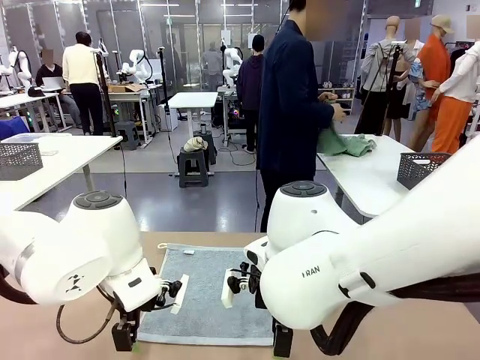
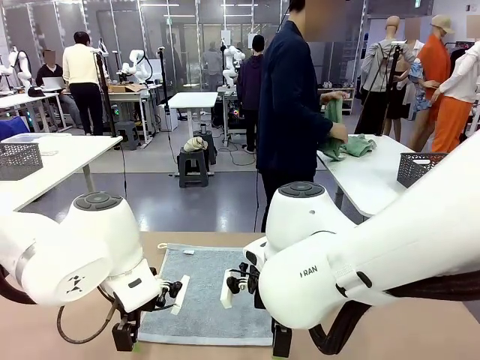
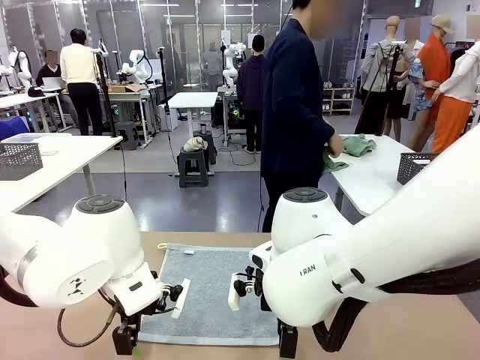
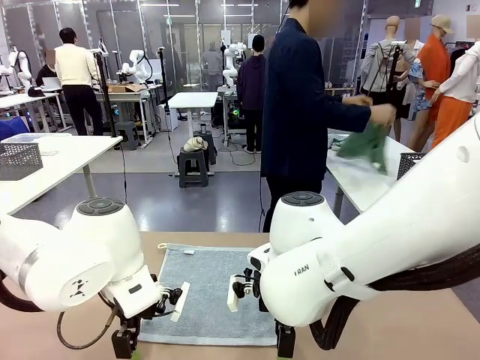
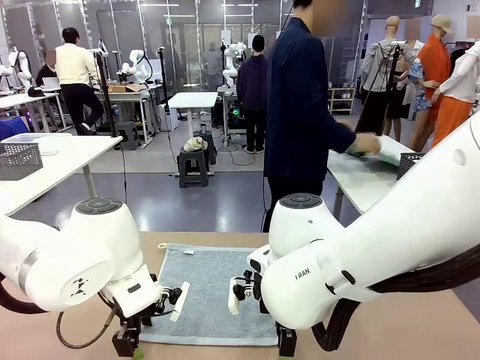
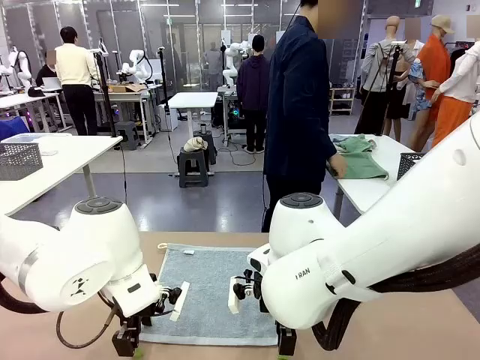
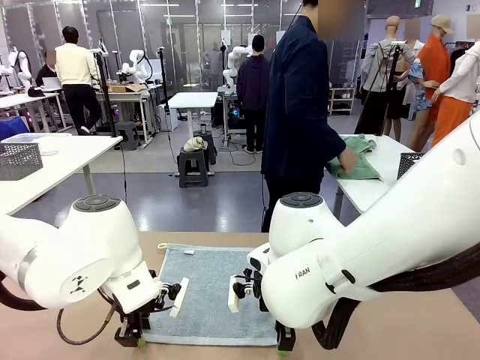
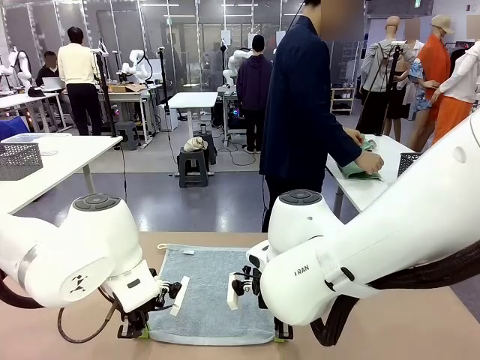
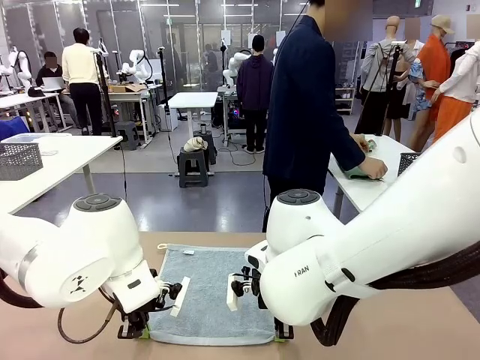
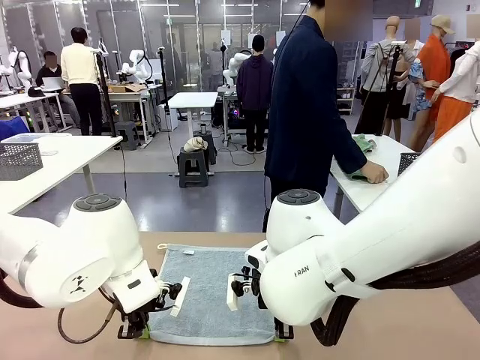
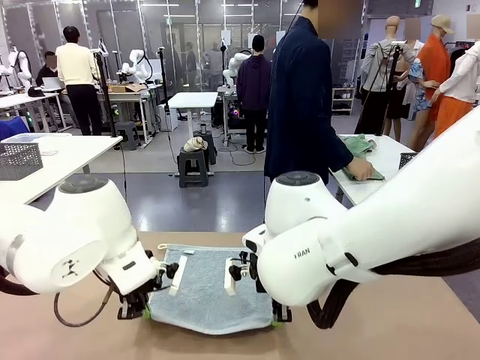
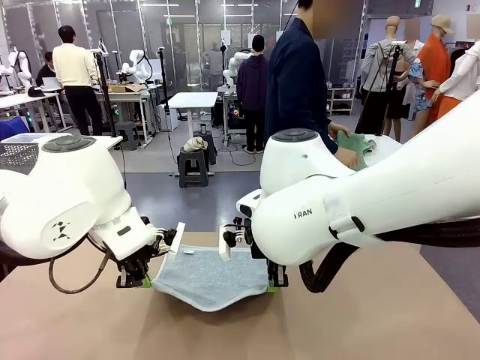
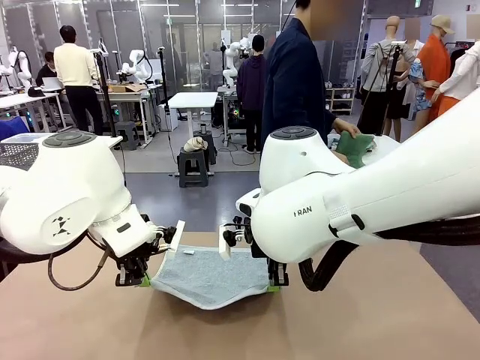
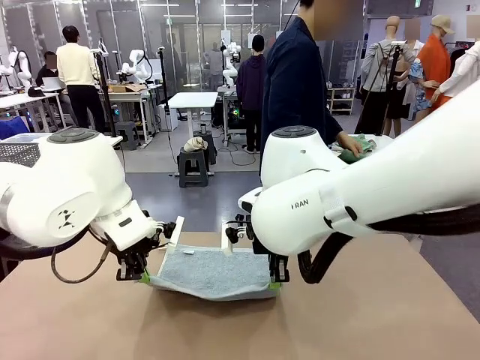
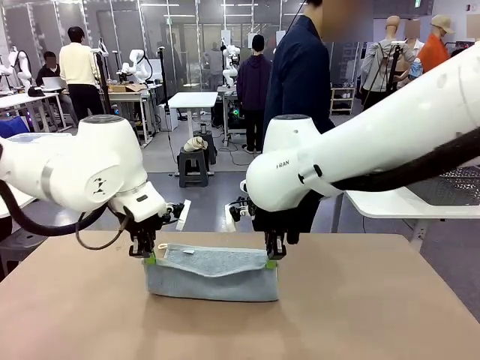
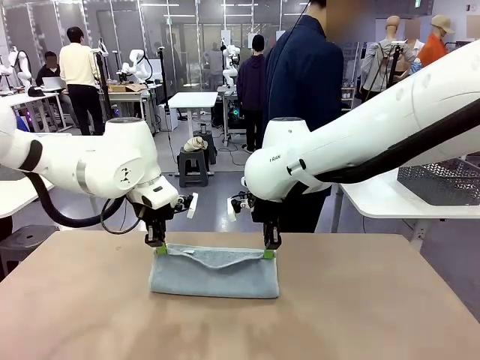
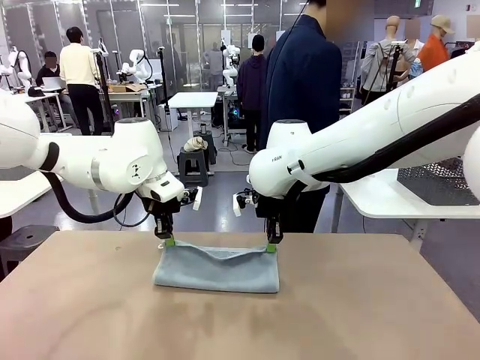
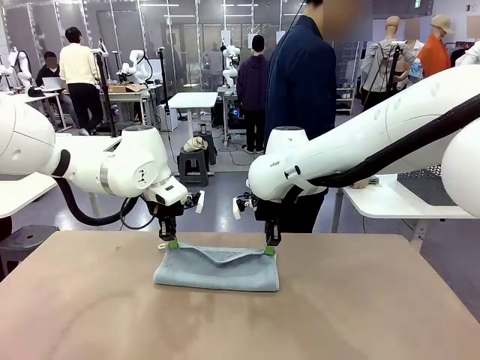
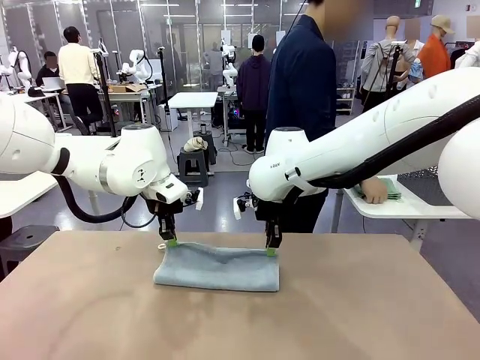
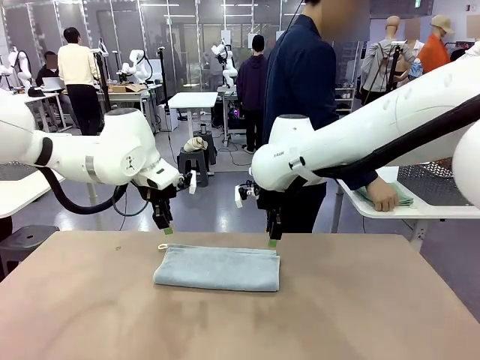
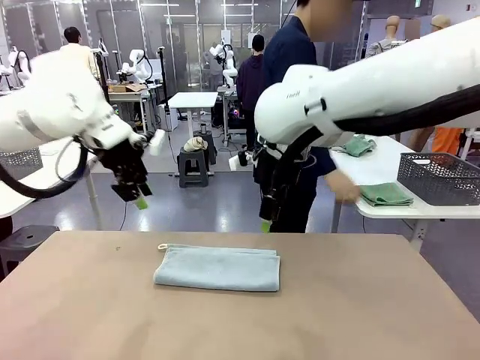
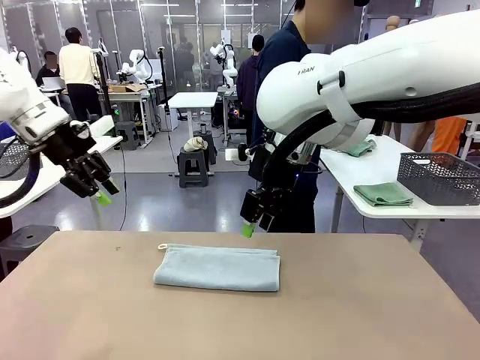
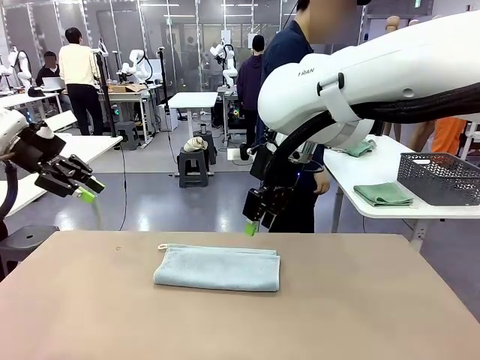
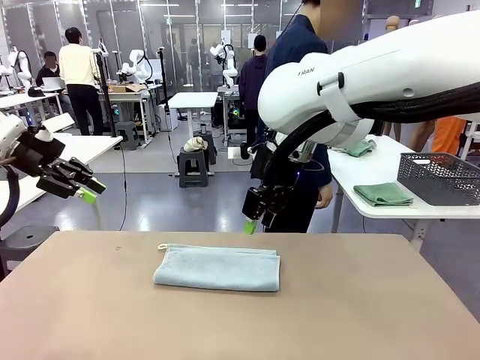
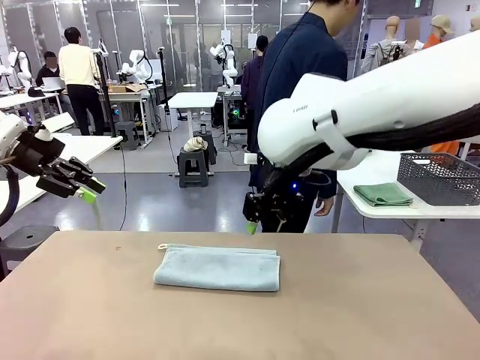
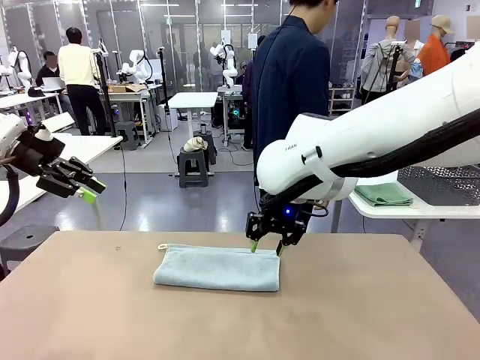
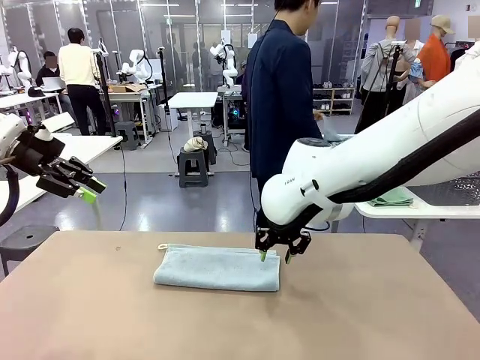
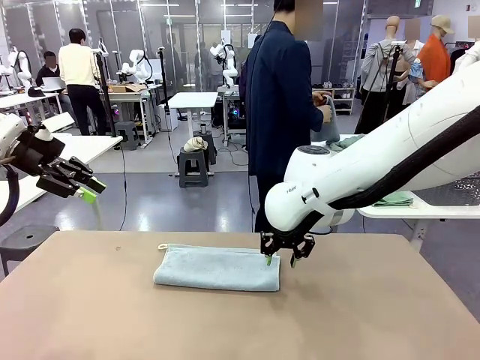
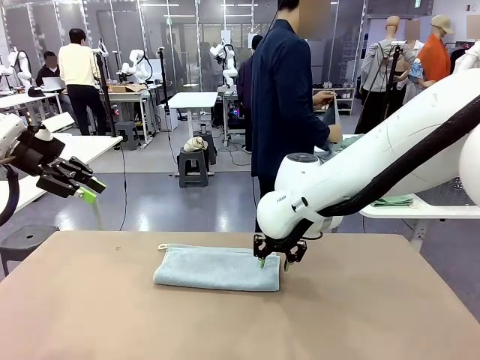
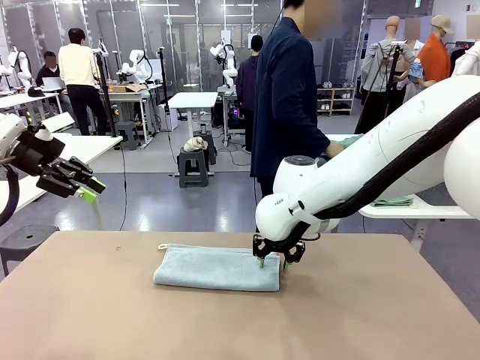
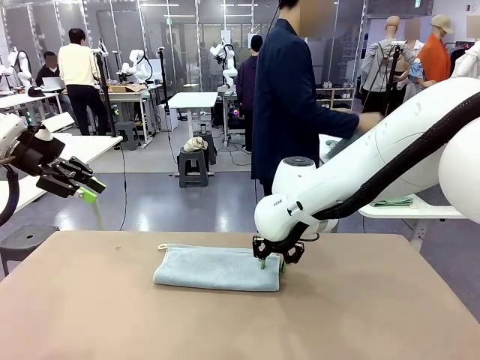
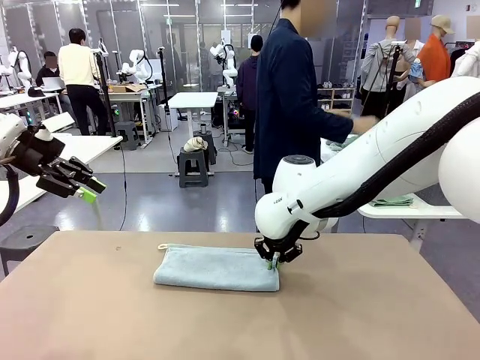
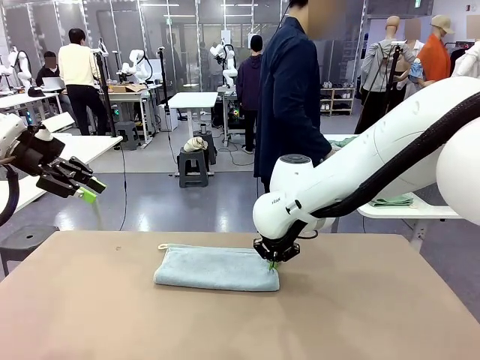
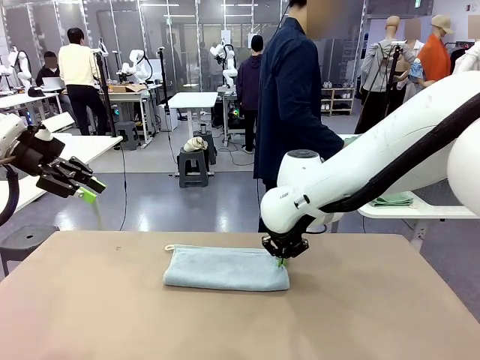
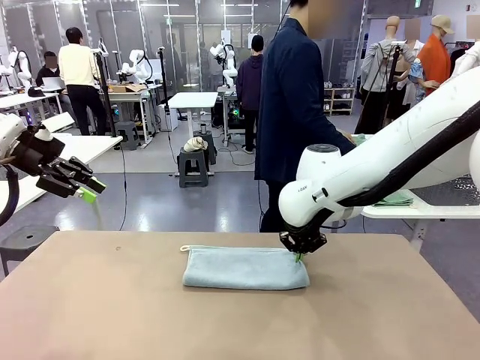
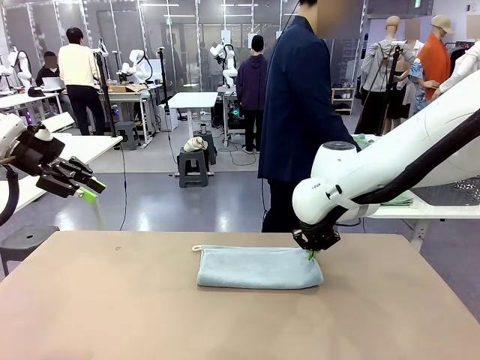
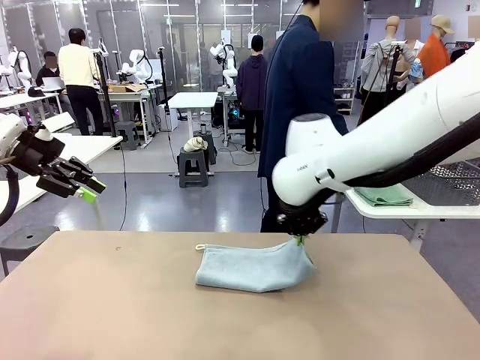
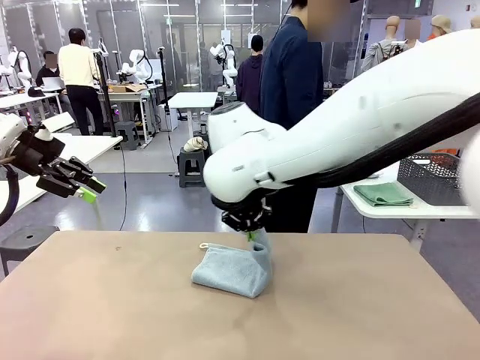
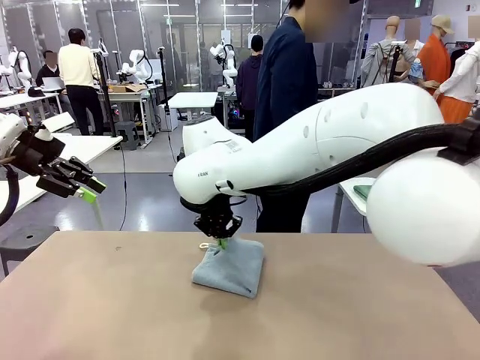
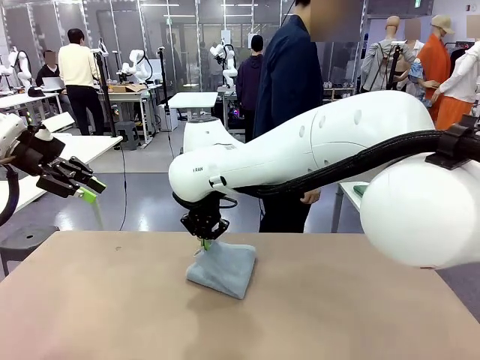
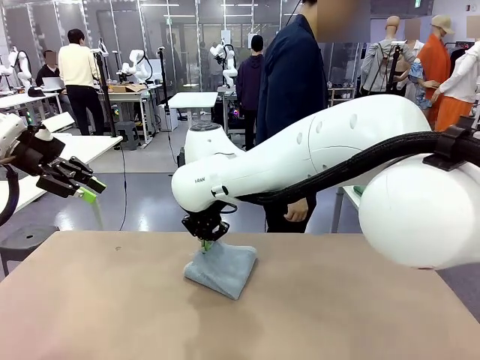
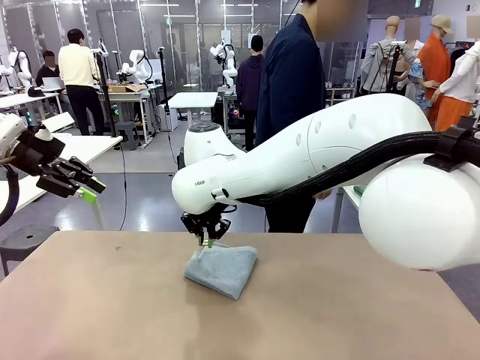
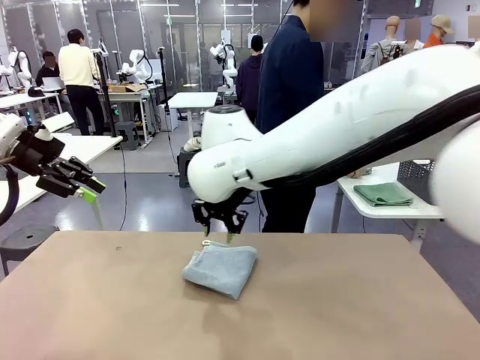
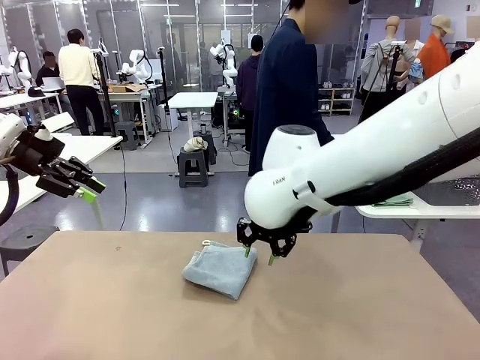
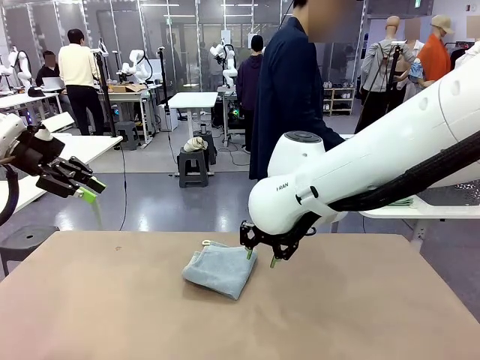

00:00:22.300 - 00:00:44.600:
Task: Fold the towels and place them in the basket.
Robot: When a person lays out a Towel with hook on the table, fold it in half twice.
Person: Pick up one towel from the left side of the human table, fold it in half twice, and place it on the right side of the table. Pick up one towel from the left side of the human table, fold it in half twice, and stack it on the right side of the table.
